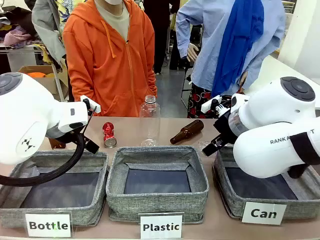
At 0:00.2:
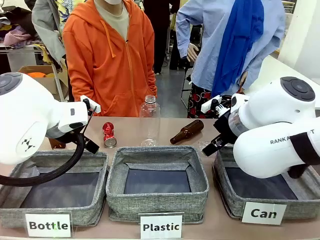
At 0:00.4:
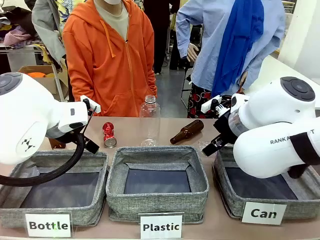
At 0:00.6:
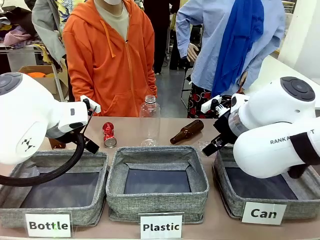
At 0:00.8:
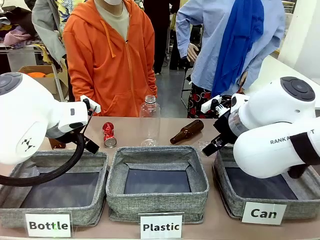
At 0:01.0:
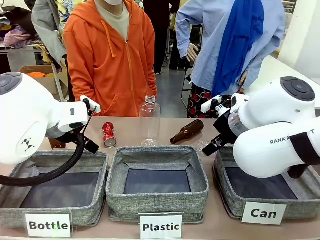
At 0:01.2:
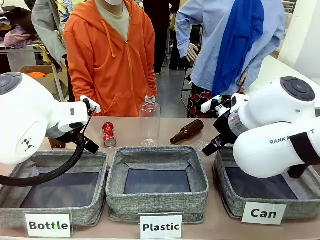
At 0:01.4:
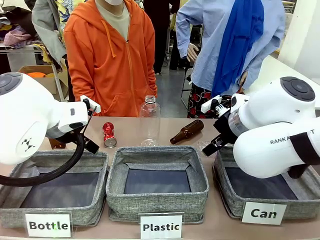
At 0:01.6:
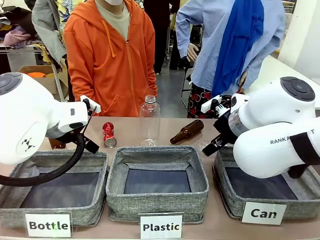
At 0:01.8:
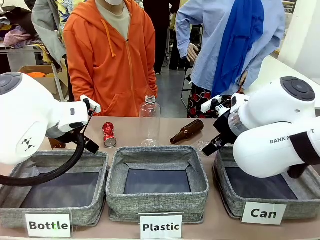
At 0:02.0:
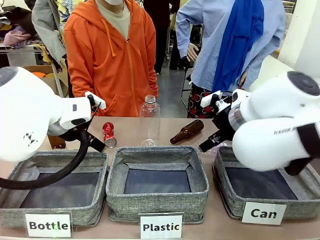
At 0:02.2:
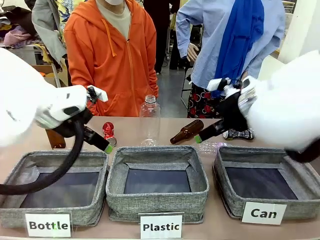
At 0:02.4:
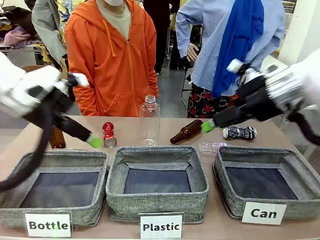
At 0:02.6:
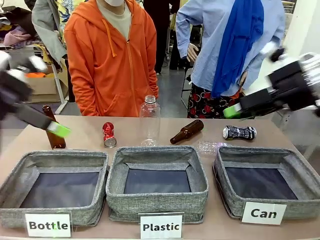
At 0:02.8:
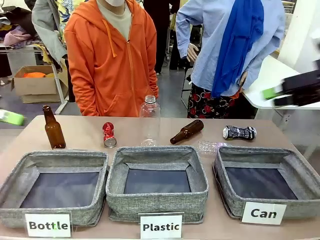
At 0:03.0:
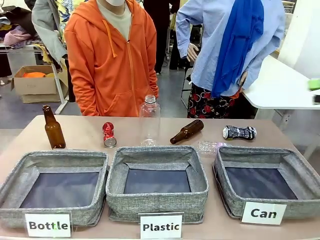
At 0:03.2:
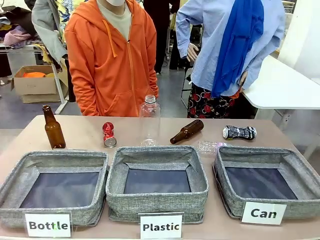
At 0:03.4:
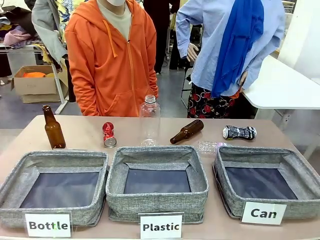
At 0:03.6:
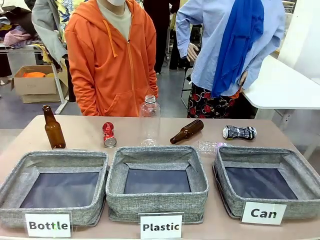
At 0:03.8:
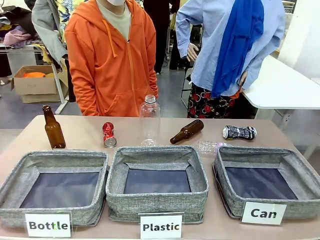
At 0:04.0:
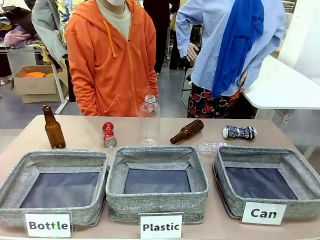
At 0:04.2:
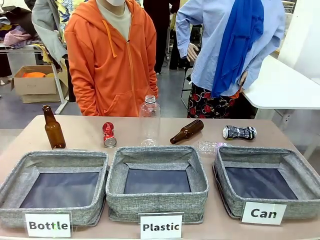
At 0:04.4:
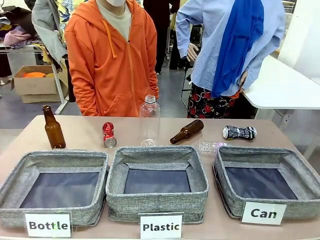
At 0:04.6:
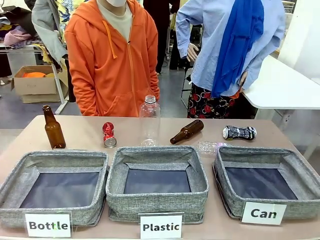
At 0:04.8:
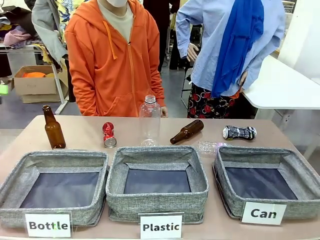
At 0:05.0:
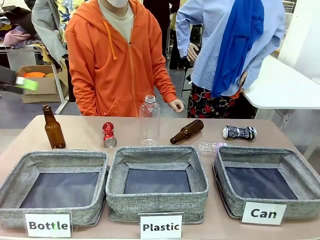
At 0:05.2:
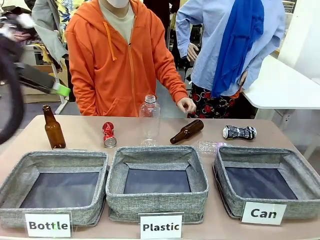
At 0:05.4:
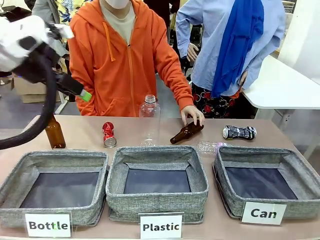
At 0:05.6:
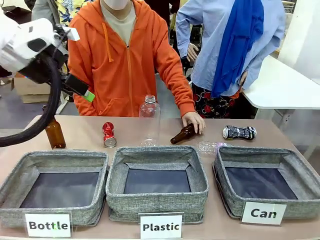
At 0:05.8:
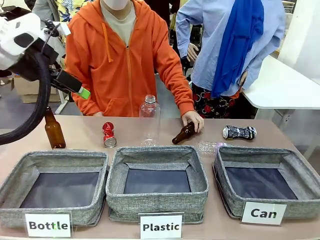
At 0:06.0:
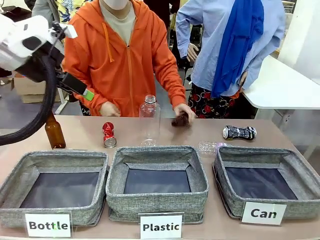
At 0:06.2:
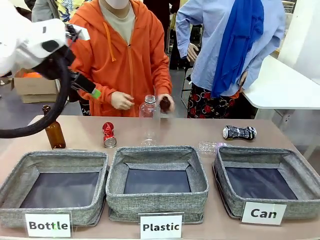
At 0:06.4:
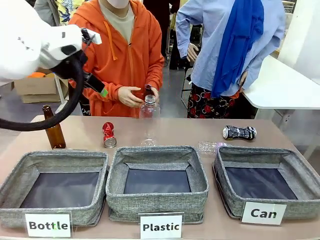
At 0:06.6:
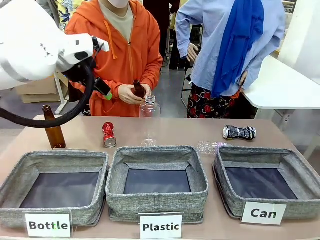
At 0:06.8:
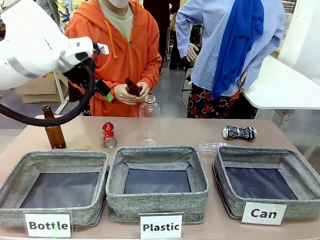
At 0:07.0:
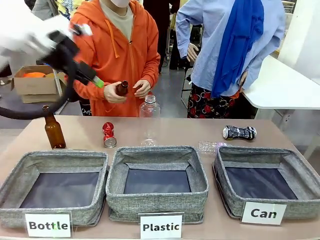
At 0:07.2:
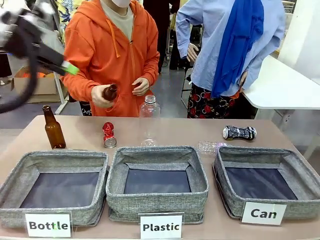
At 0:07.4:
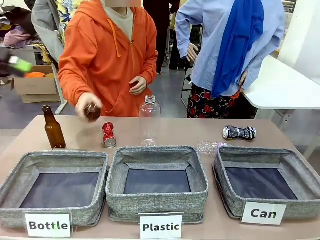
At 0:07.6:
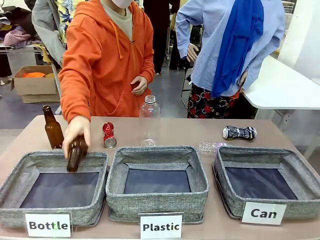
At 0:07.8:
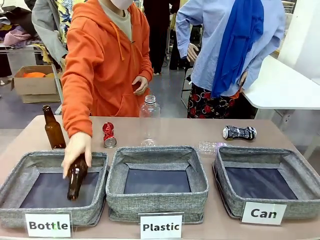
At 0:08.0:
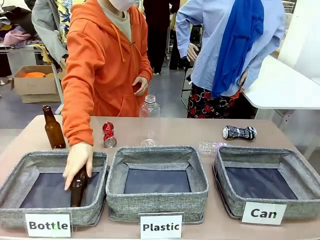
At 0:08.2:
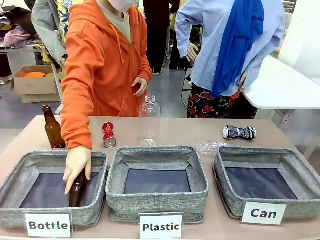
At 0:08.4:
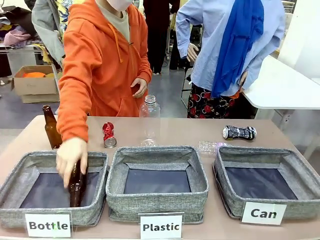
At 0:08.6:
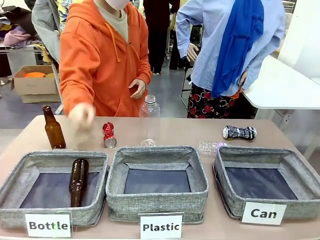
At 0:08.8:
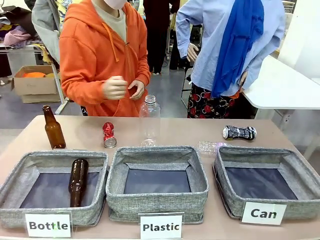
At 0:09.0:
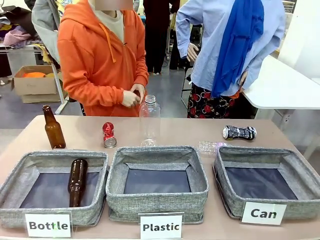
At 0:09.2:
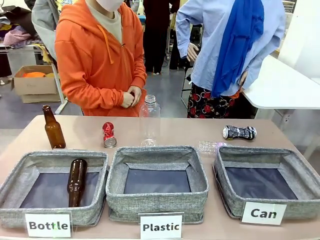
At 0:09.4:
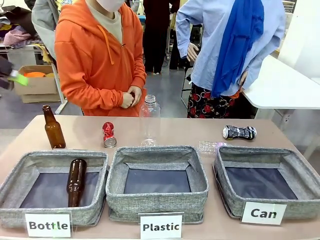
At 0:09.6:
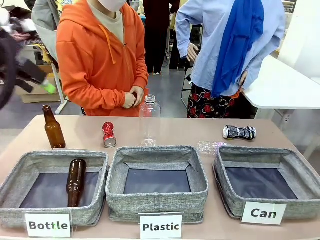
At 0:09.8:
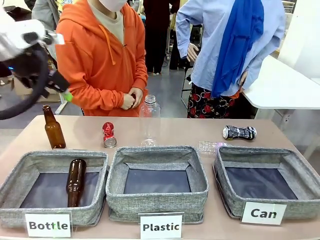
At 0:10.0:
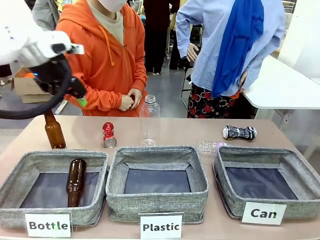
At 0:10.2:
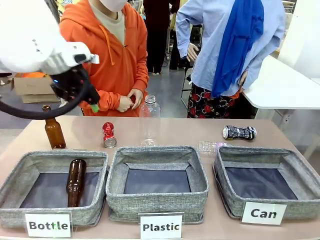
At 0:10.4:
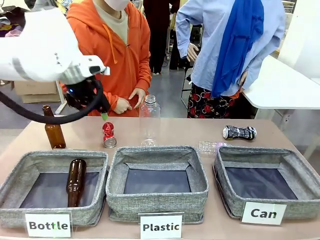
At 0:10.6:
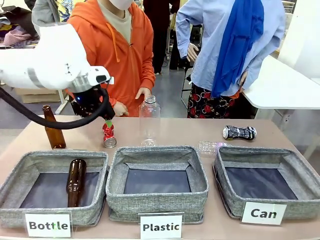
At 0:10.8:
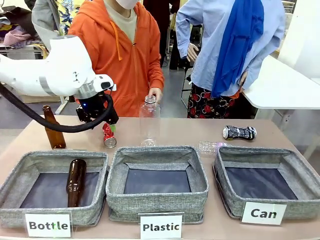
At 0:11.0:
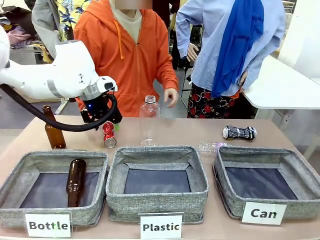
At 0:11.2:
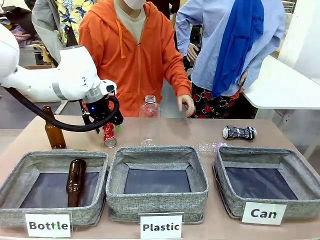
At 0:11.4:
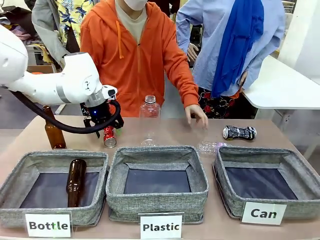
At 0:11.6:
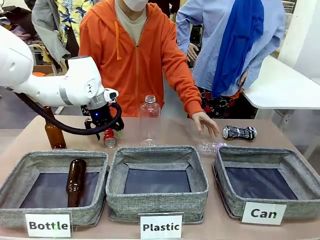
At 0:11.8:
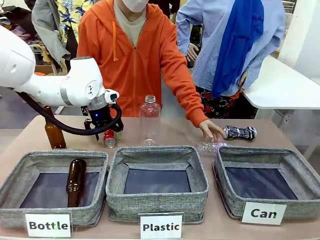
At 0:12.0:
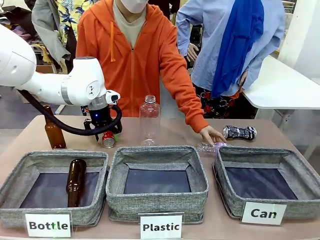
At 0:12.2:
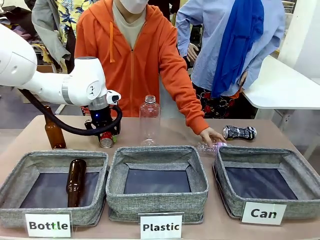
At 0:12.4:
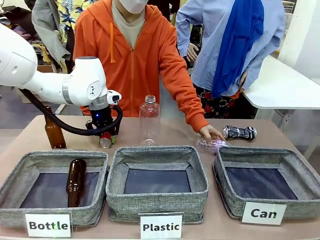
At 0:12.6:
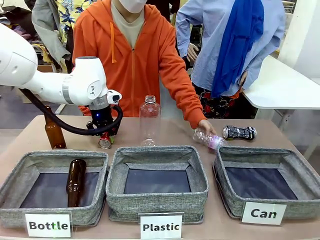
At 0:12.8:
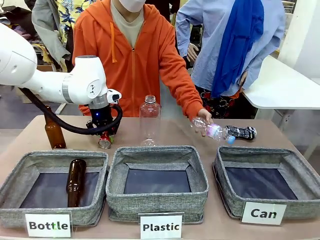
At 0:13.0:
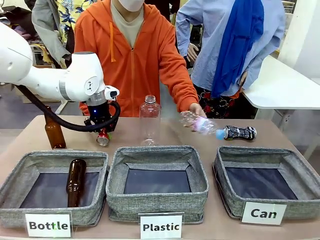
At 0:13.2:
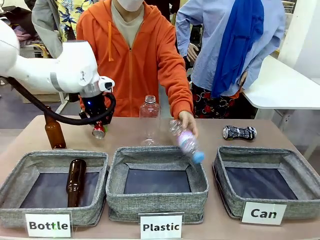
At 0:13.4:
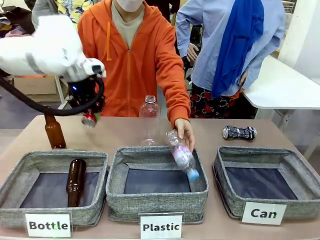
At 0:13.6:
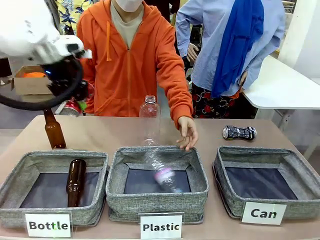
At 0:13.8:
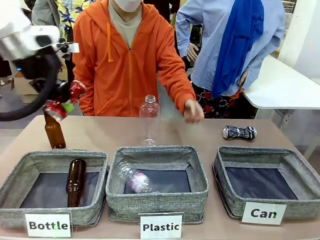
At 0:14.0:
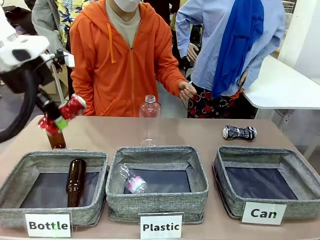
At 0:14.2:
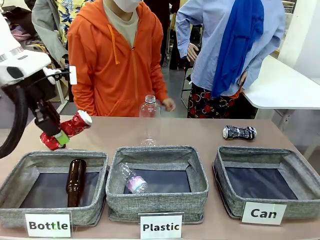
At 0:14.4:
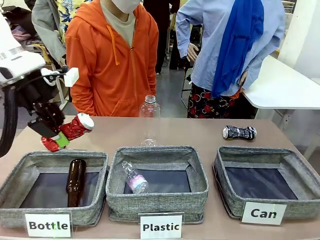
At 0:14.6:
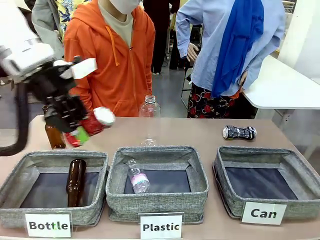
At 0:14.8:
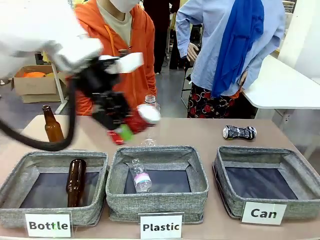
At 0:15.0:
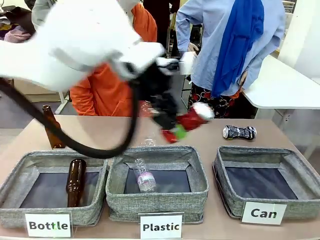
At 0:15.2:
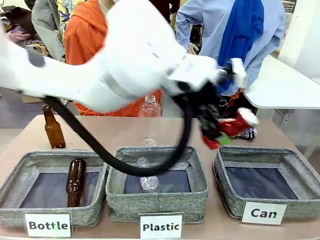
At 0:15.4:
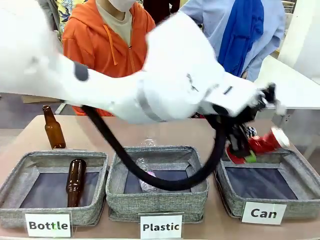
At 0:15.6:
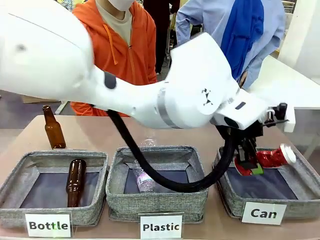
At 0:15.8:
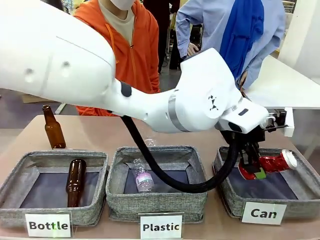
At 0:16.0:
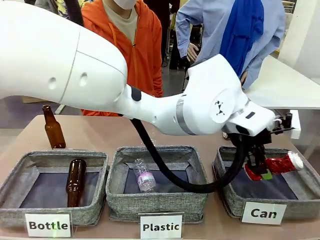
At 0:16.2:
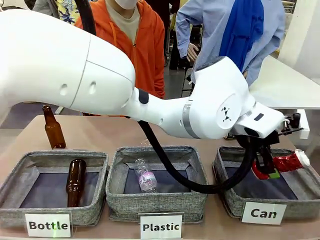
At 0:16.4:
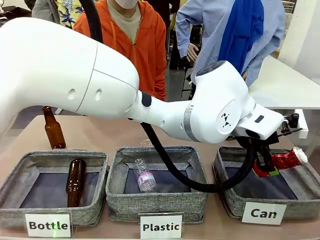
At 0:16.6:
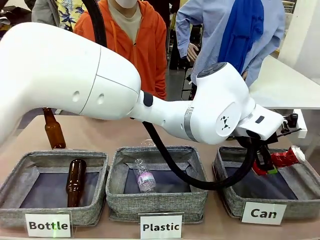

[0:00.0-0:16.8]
Task: Sort the can waste into the basket.
Robot: Pick up the can waste from the table and place it in the right Fabric basket.
